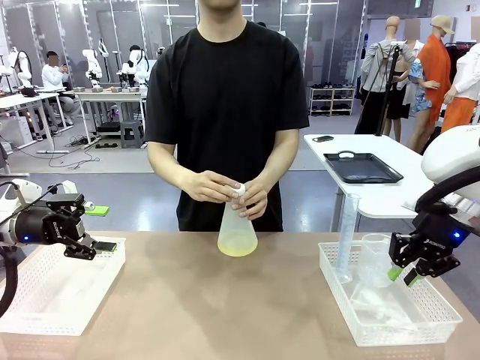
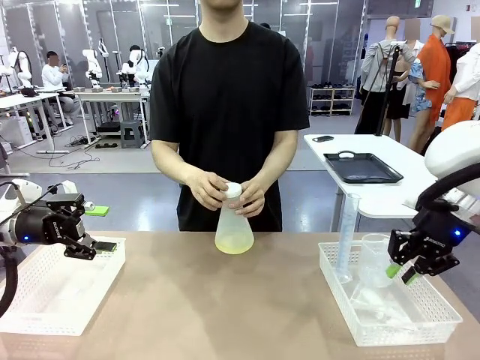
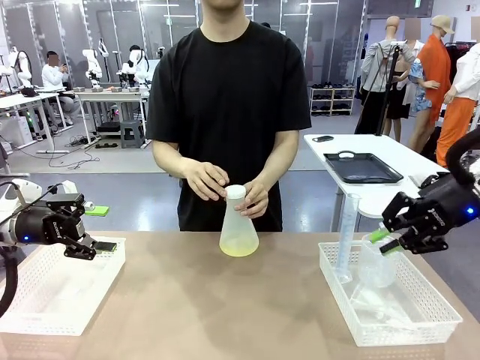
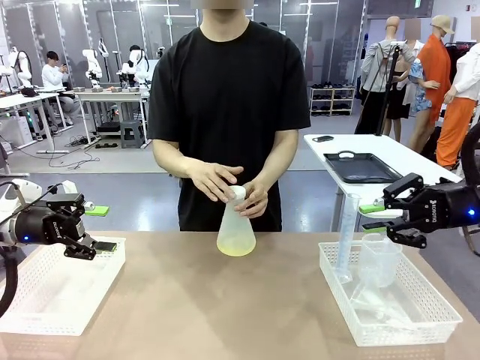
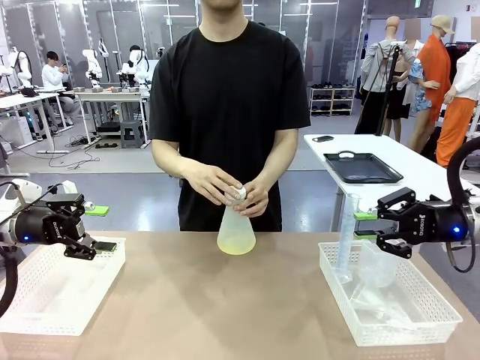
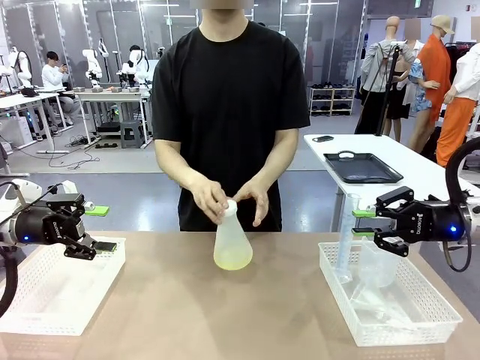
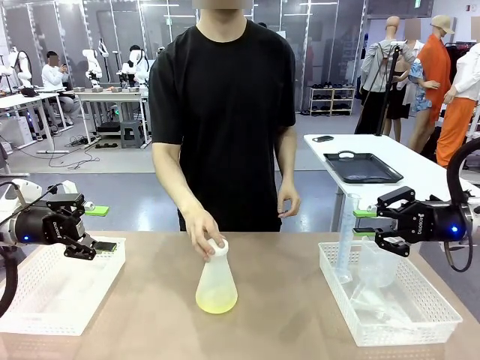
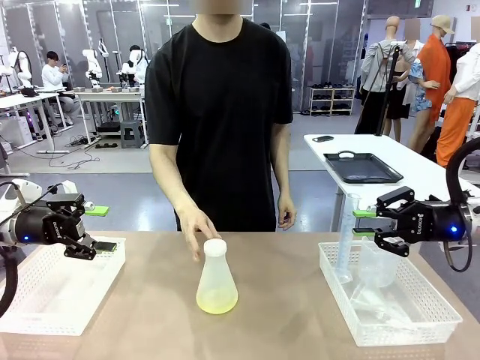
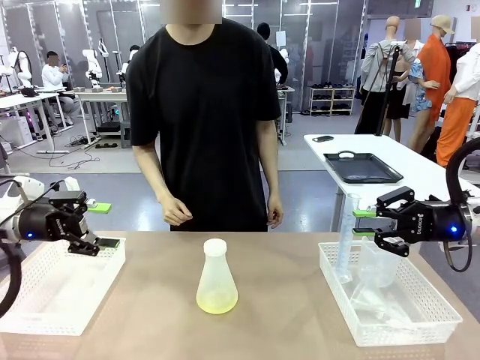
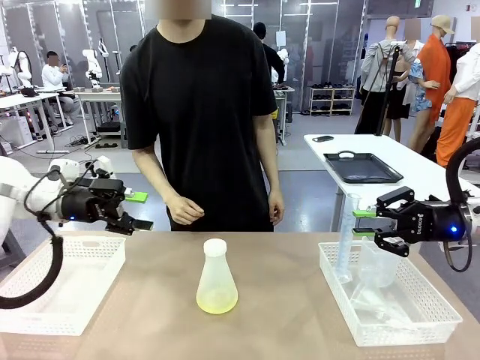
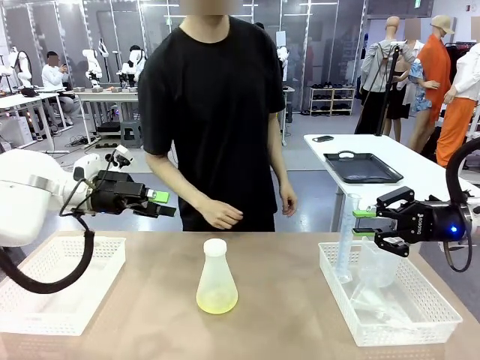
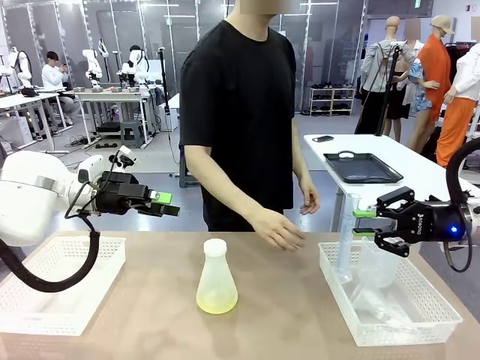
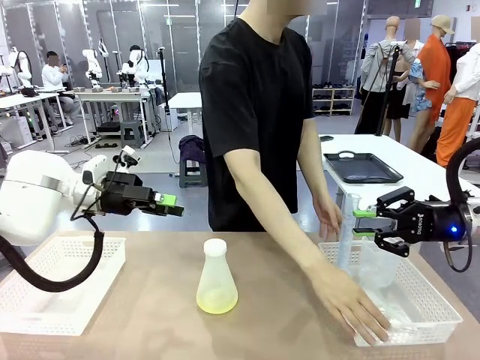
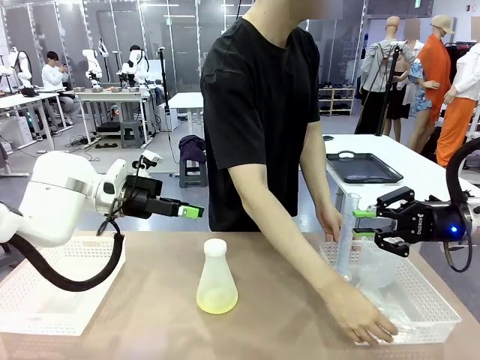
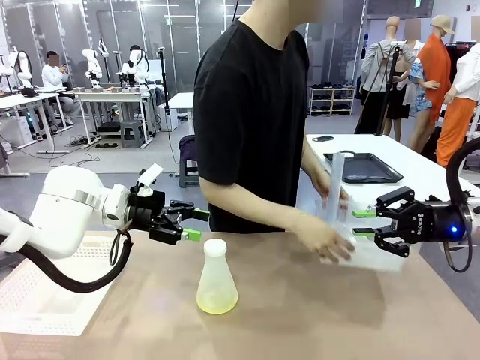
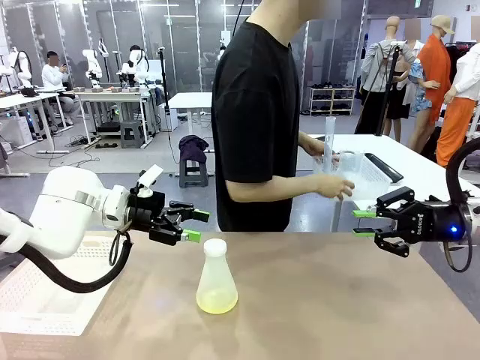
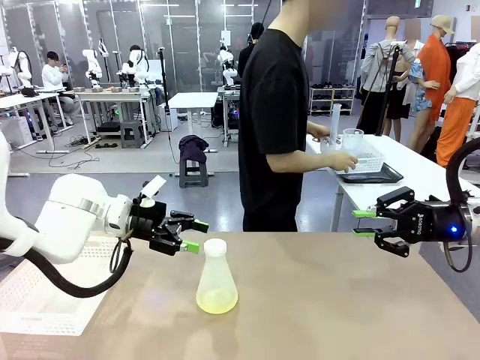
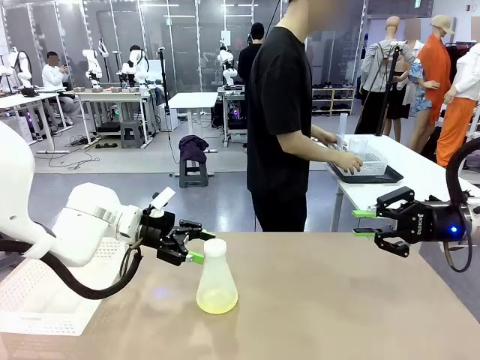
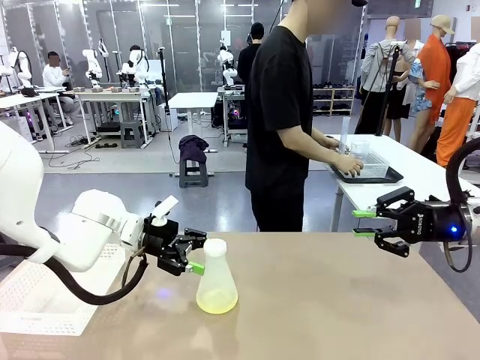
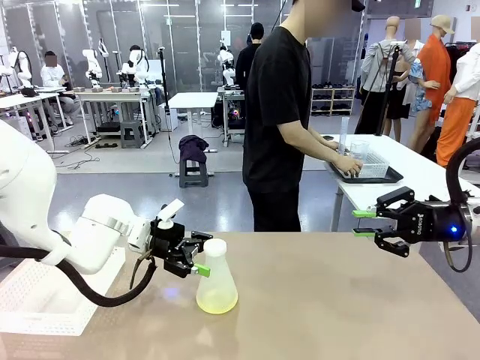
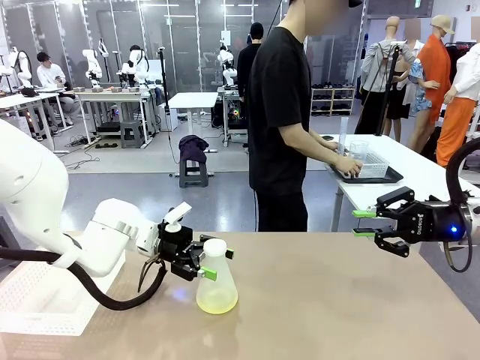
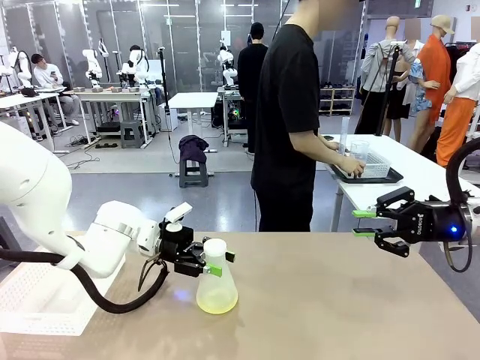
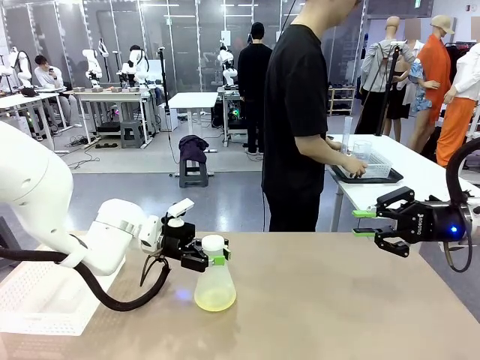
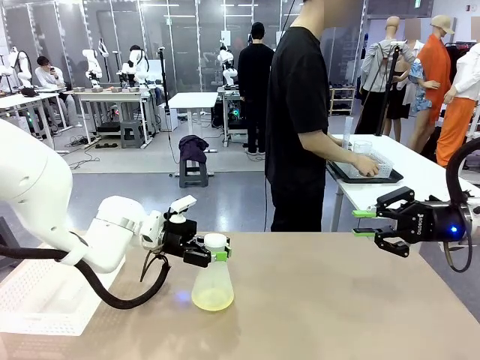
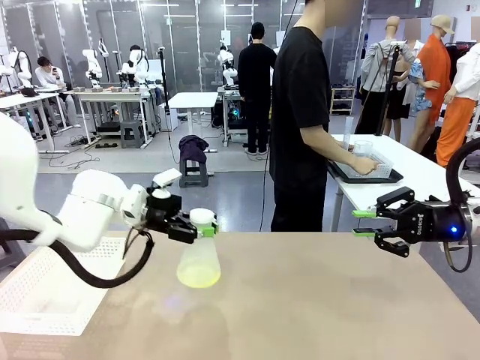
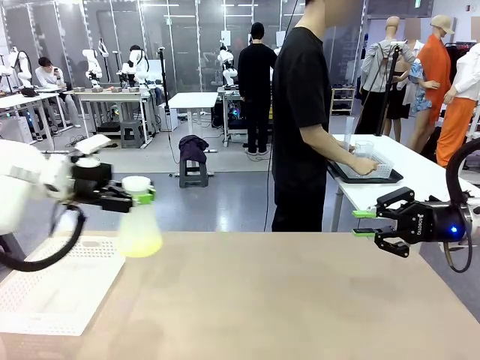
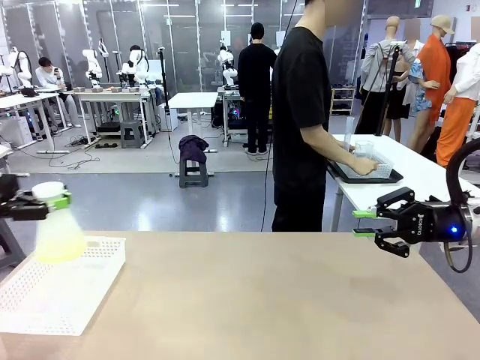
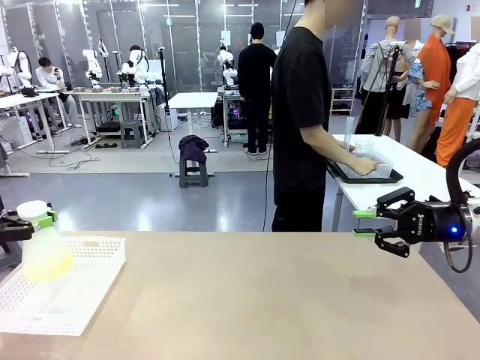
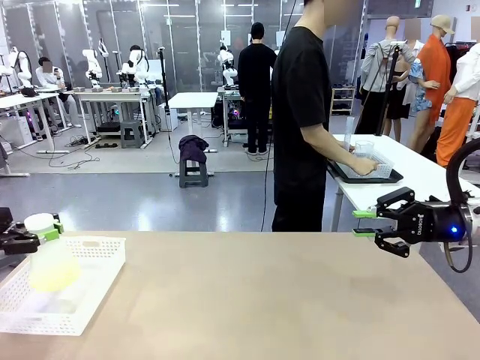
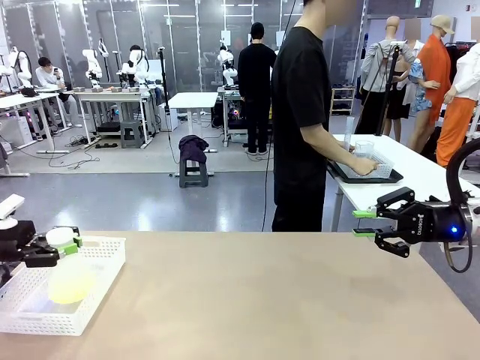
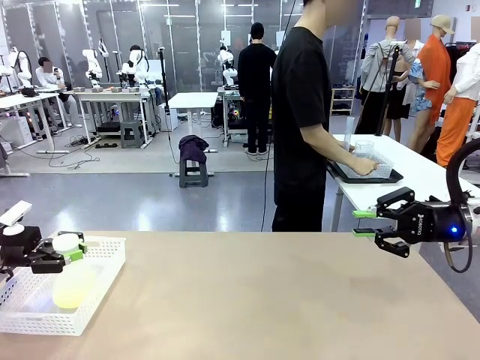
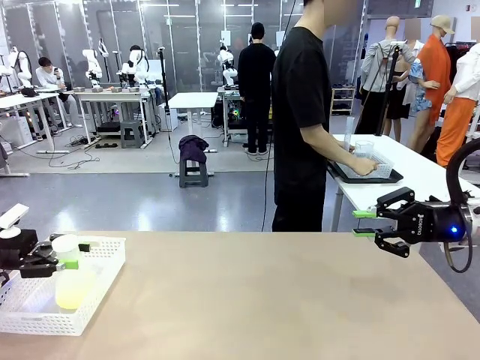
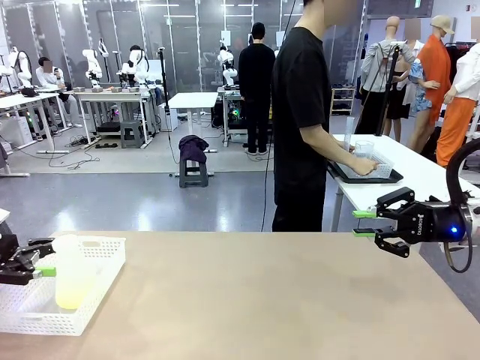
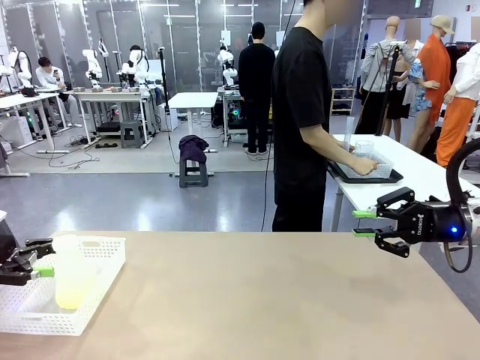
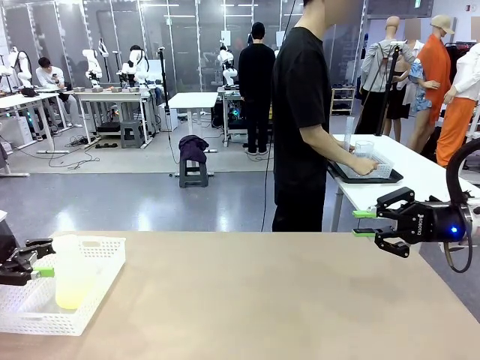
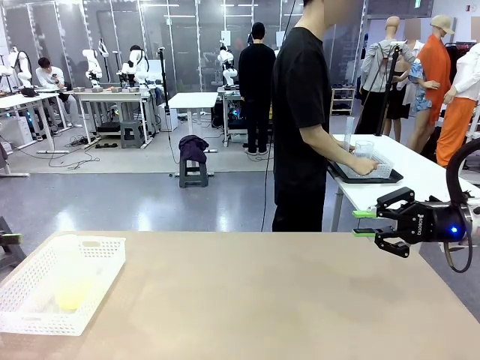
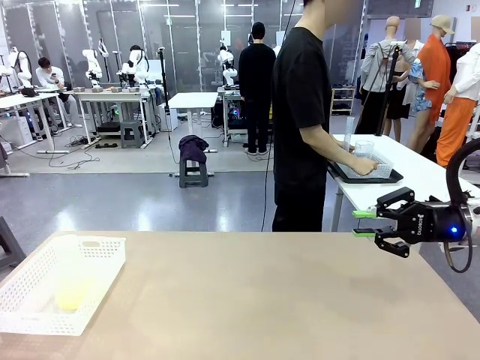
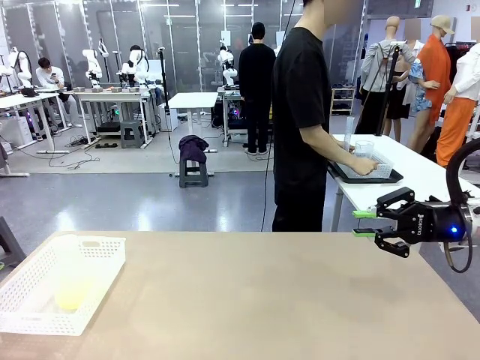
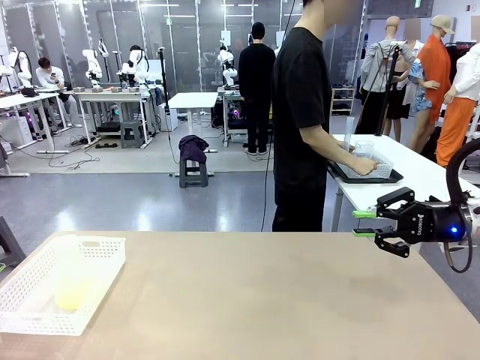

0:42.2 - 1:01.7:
Task: Prepare the solutions needed for the experiment.
Robot: When the human places the Big flask in the center of the table, pick up the Big flask and place it in the left Organizing basket.
Person: Pick up the organizing basket on the left side of the robot table and place it on the left side of the human table.
